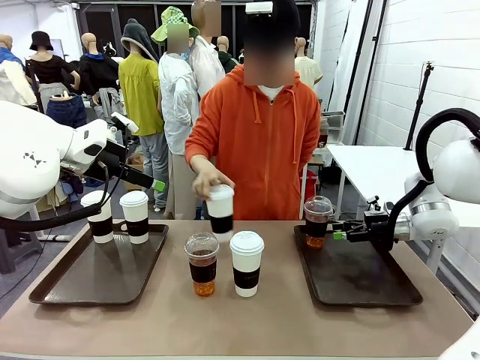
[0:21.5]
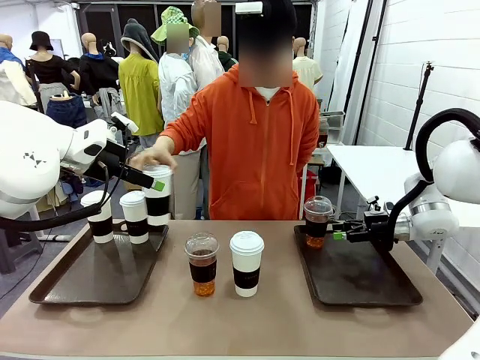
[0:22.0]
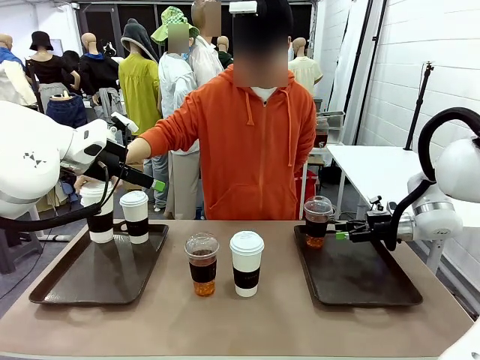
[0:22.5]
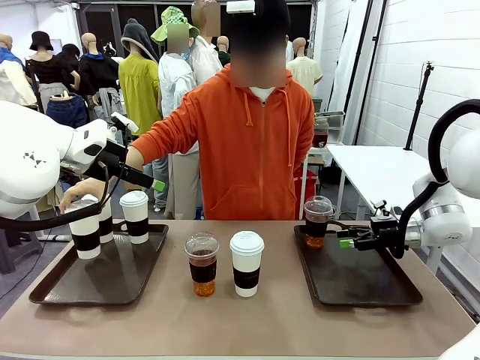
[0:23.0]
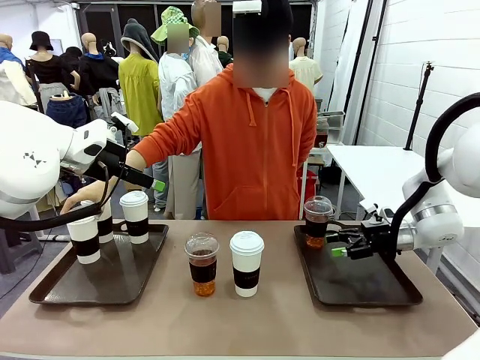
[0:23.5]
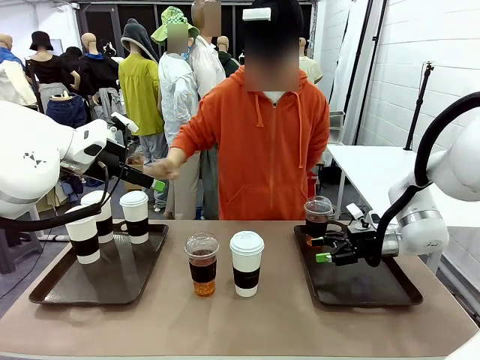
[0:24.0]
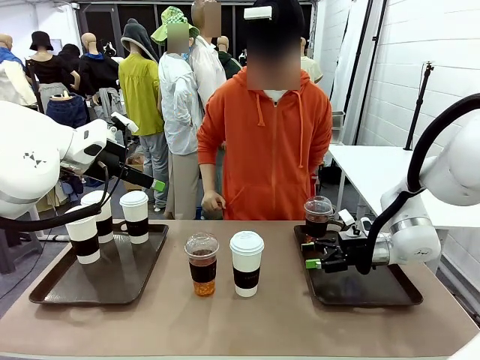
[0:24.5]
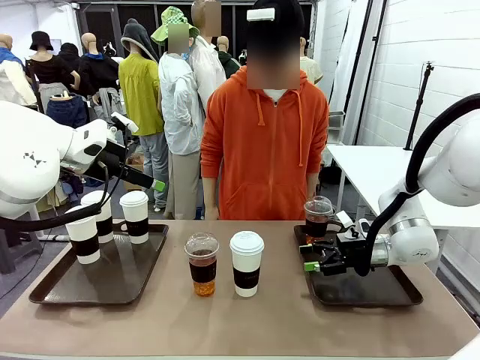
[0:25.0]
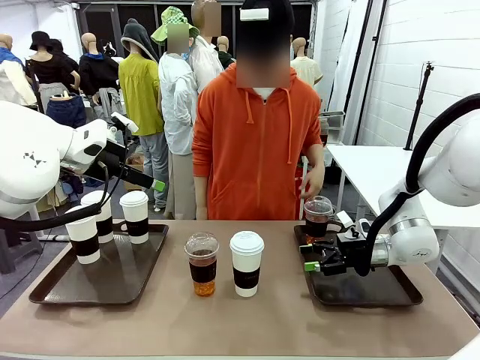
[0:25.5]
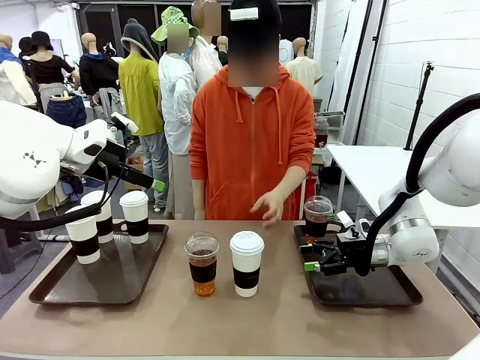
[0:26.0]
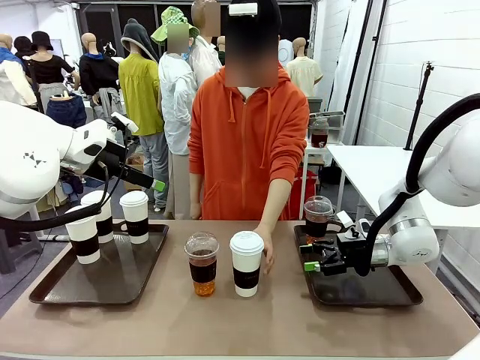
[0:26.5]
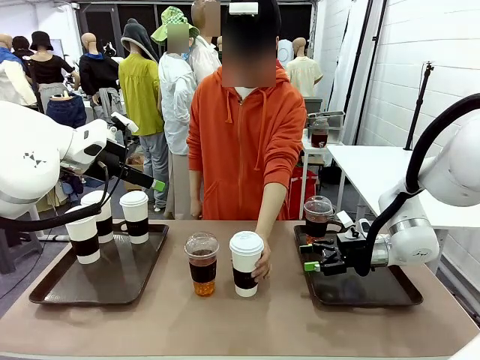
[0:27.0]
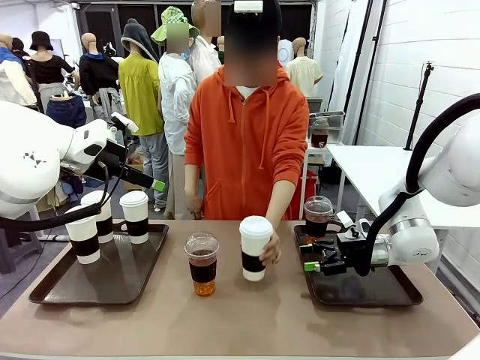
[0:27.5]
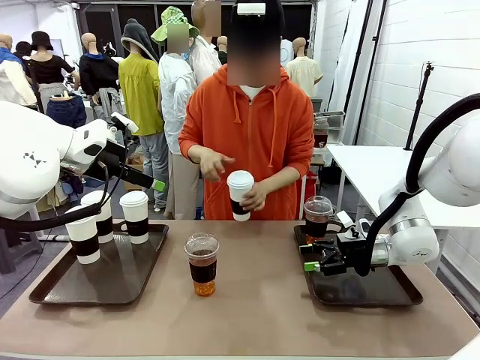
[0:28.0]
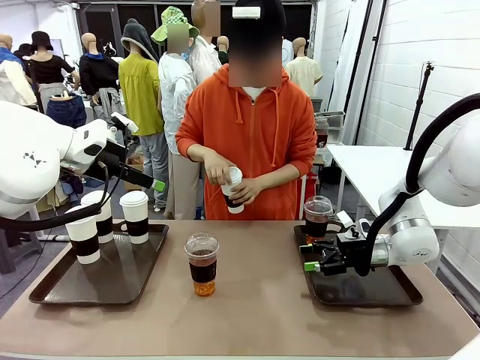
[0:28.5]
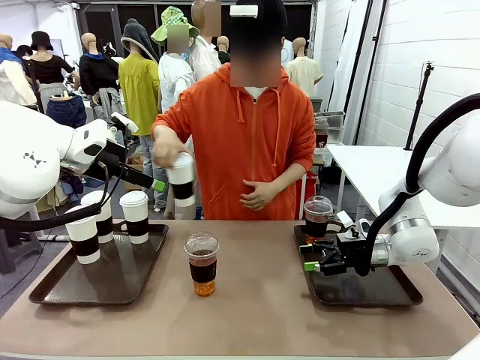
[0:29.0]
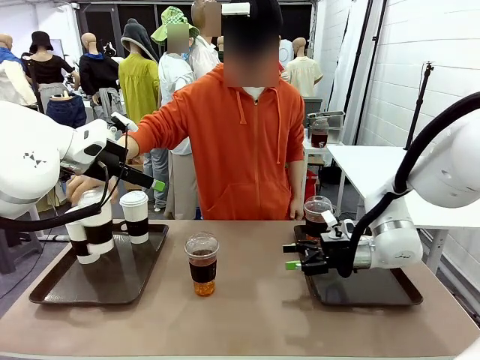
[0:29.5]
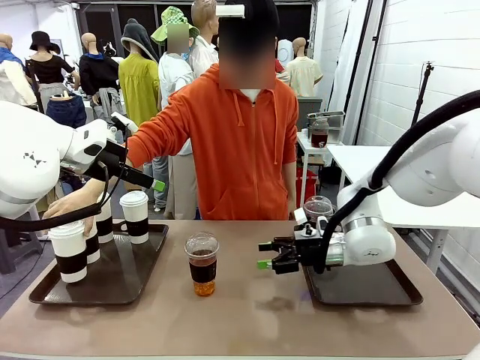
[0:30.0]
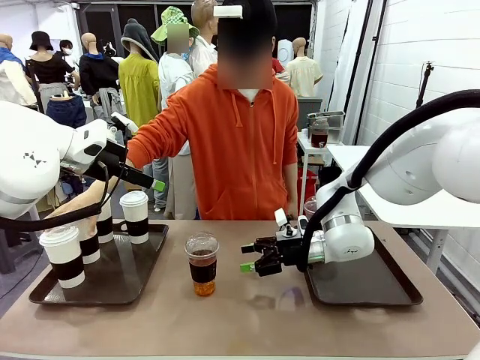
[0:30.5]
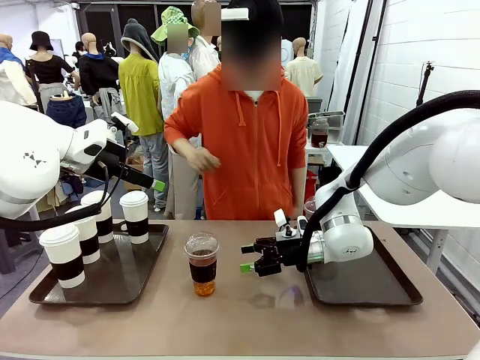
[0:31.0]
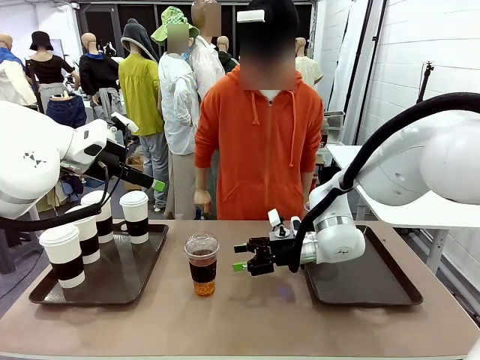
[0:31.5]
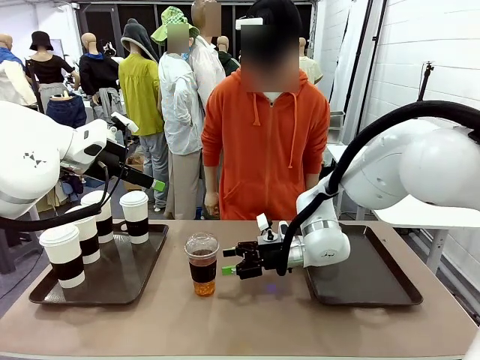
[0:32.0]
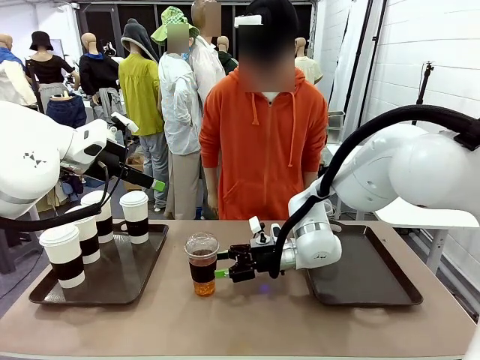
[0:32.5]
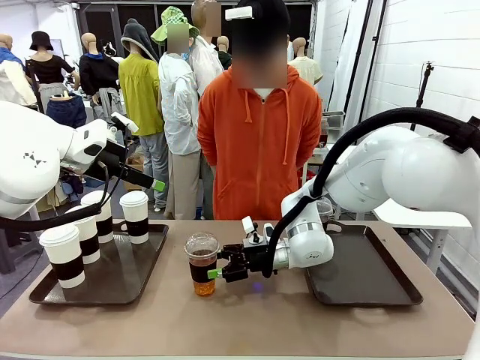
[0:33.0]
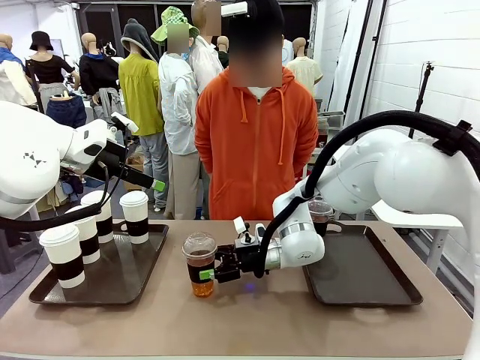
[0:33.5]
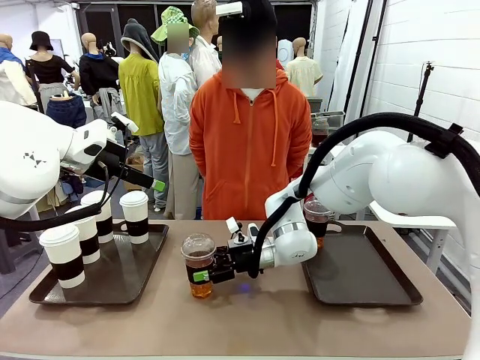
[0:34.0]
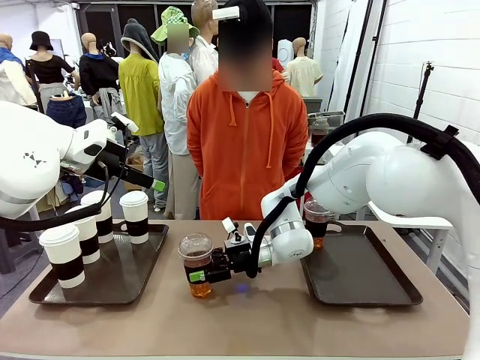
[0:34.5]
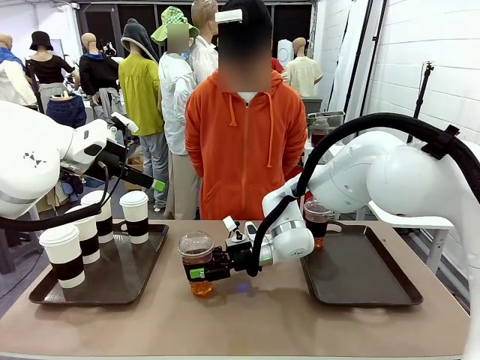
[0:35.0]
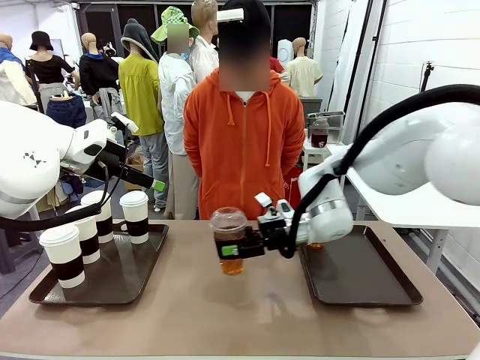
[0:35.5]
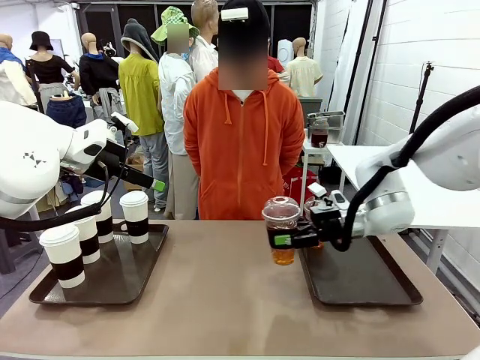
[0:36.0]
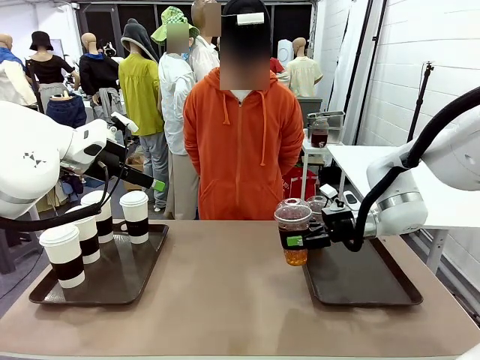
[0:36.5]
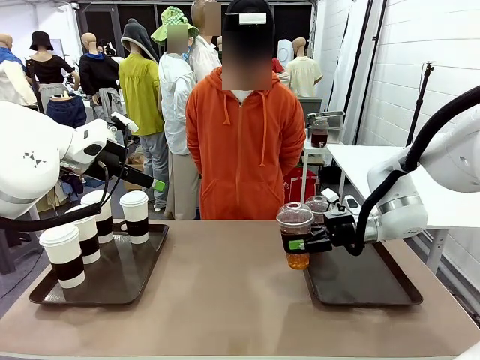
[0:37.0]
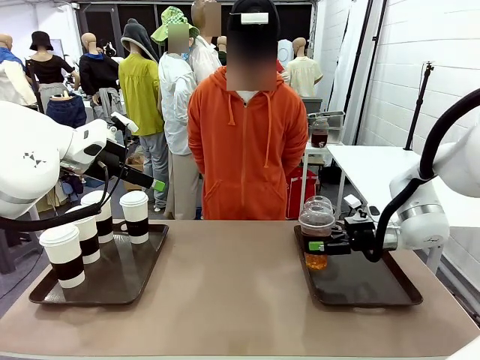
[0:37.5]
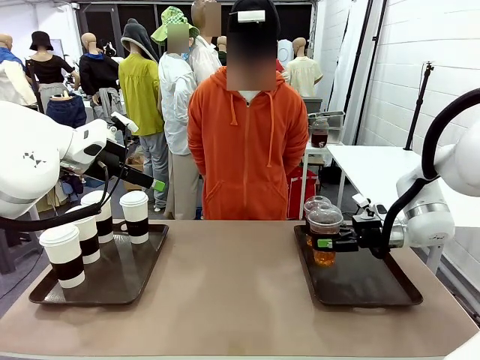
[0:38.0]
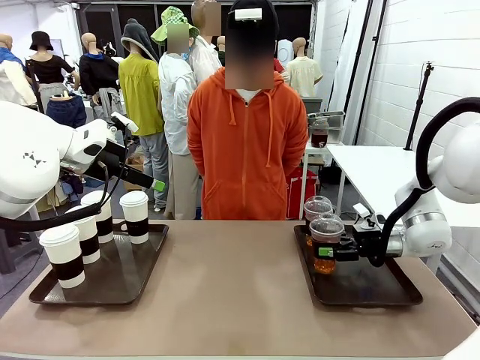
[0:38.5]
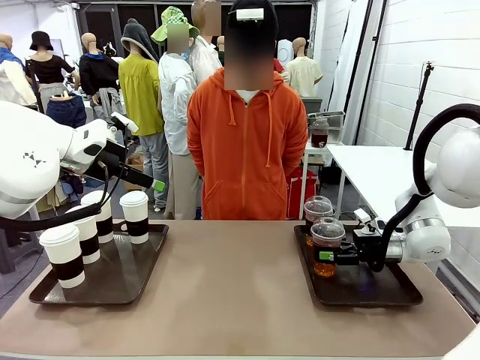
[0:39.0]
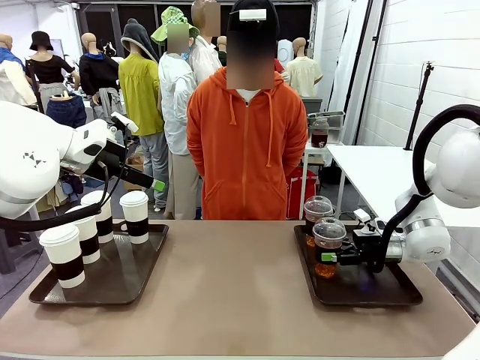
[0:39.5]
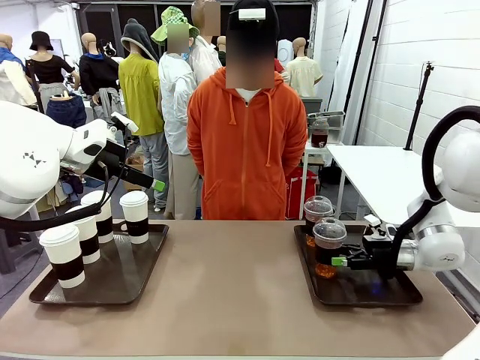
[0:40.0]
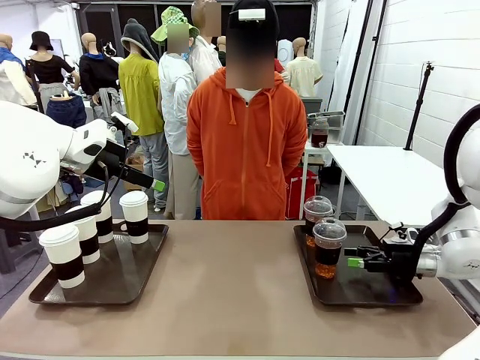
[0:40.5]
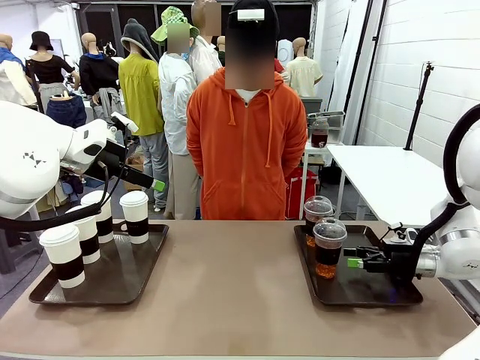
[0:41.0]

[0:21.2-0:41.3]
Task: Distribute the coffee onto the tray.
Robot: Pick up another iced Americano from the middle of the table and place it on the right Handle tray.
Person: Pick up a cup of hot Americano from the middle of the table and place it on the right tray.

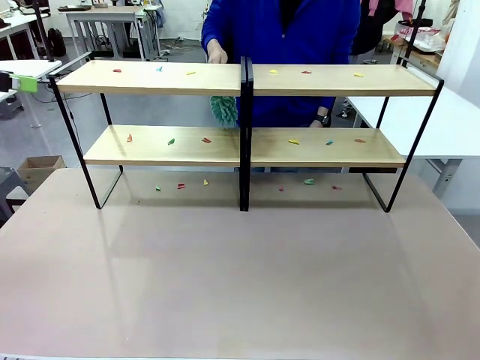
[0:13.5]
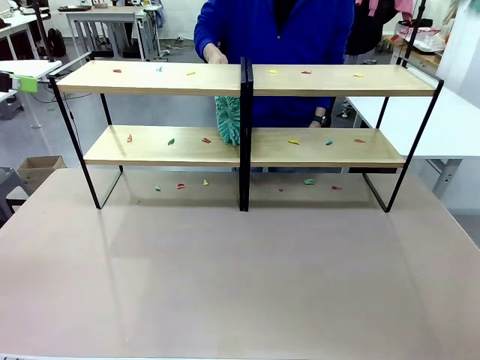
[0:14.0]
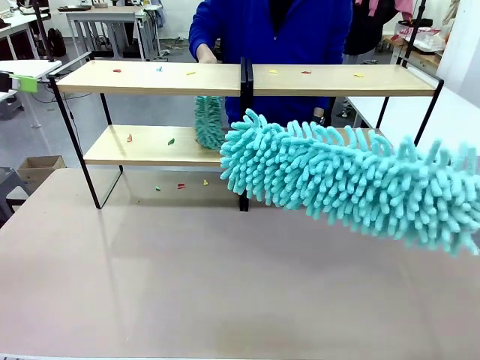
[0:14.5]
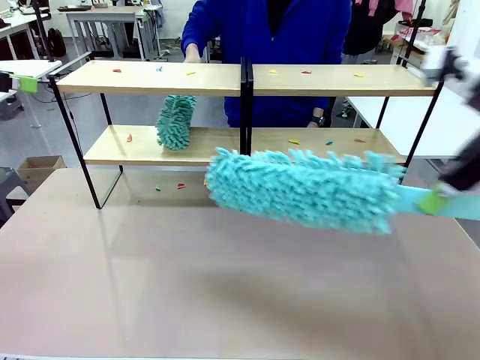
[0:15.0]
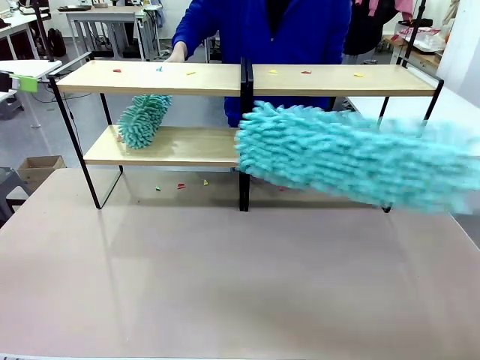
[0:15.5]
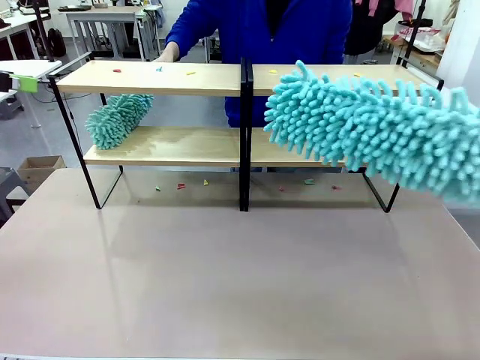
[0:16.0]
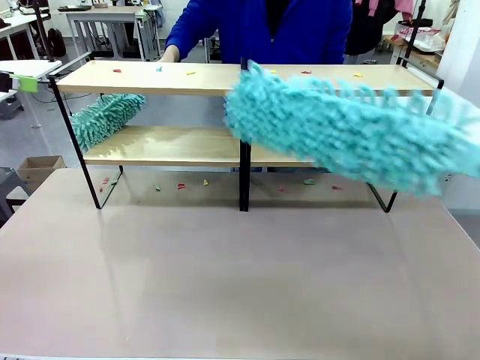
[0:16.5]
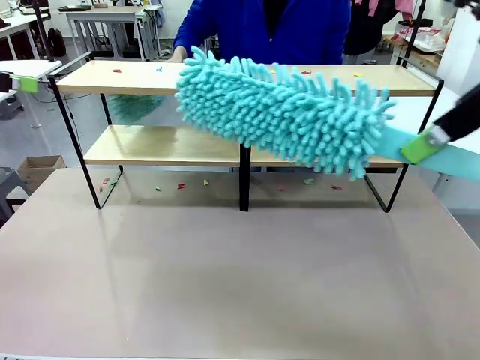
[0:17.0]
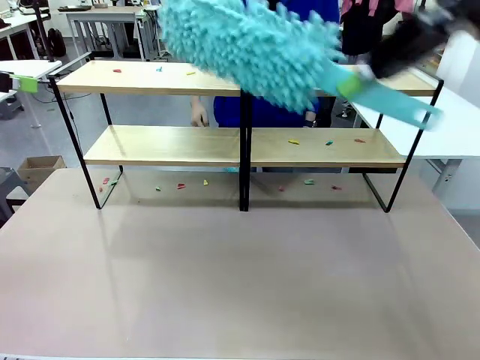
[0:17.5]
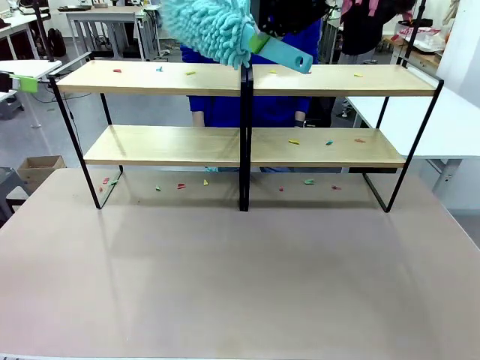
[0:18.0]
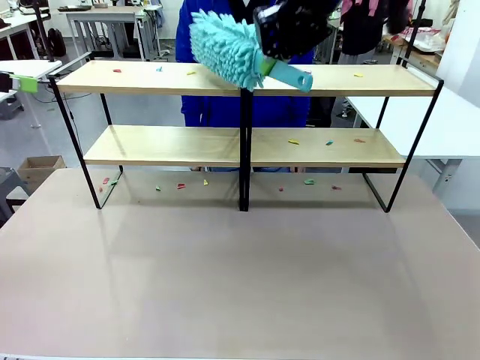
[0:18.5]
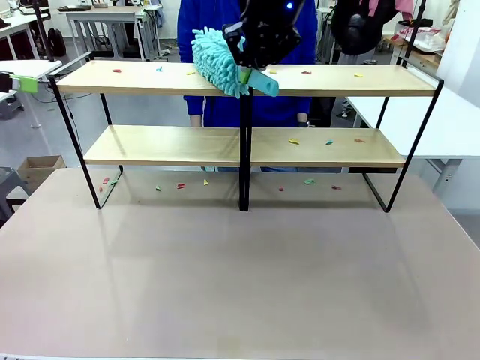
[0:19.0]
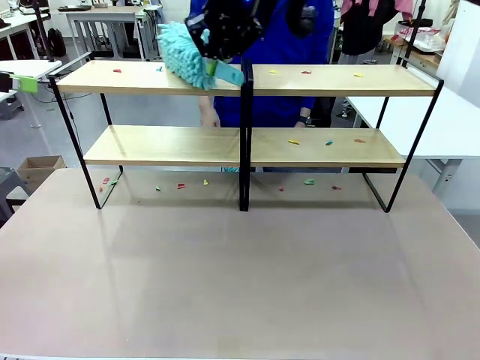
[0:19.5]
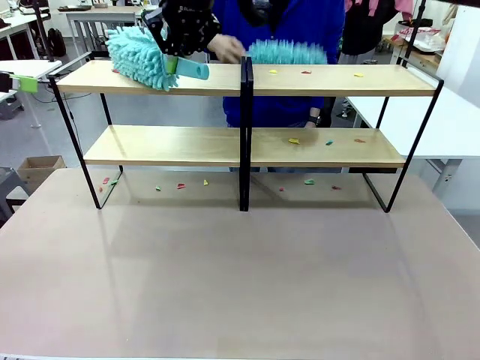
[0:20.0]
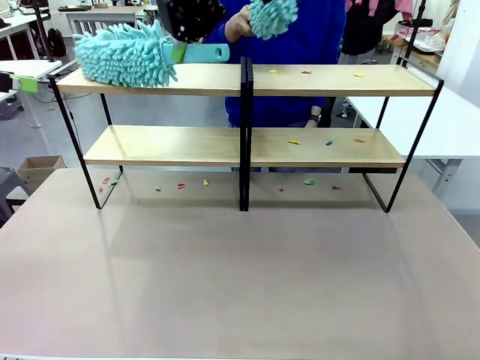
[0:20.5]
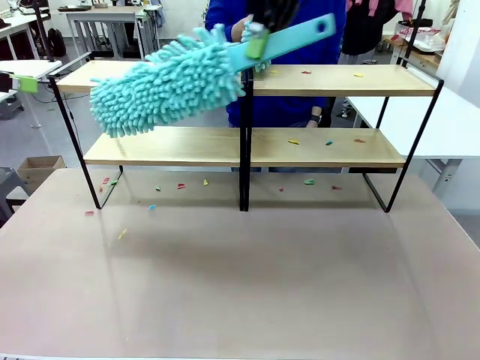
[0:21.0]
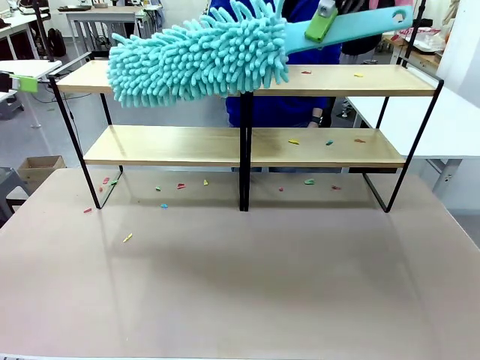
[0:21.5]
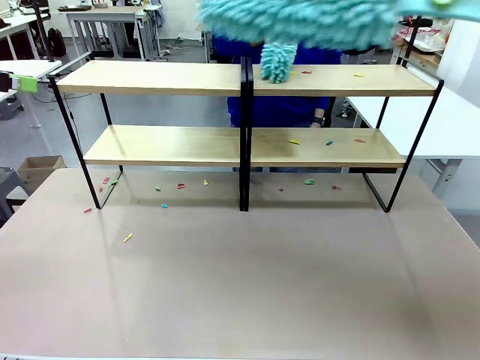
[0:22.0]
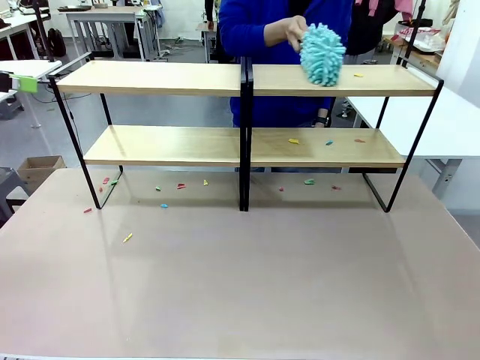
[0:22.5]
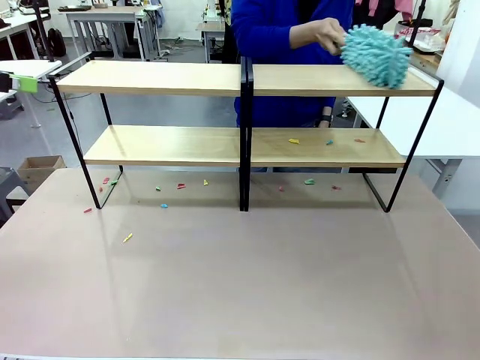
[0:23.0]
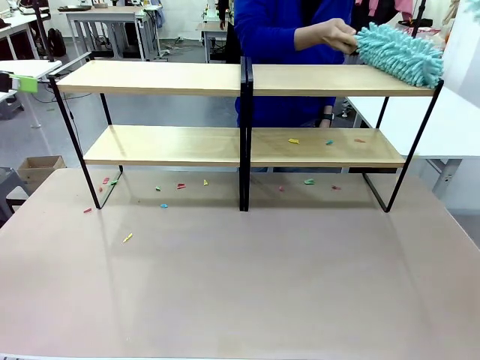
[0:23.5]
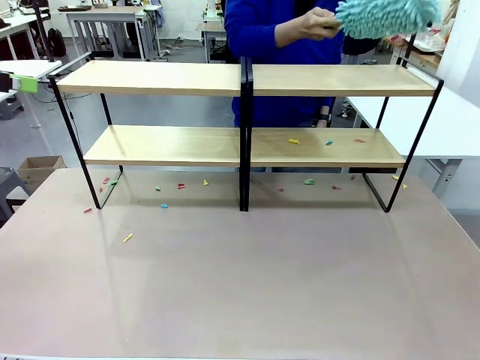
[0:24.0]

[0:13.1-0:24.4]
Task: Clean the shelves.
Robot: Clean a randomly selected level of the Shelf with the Duster.
